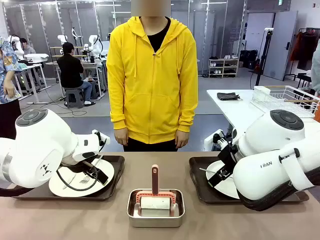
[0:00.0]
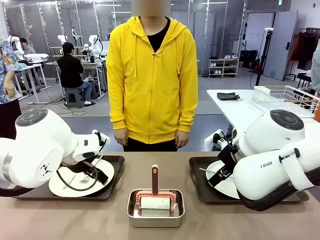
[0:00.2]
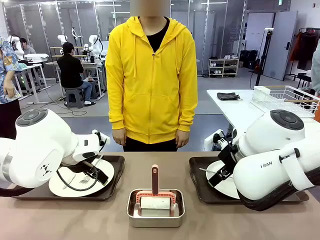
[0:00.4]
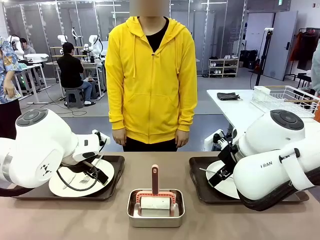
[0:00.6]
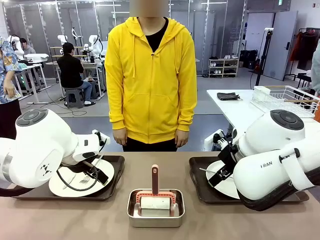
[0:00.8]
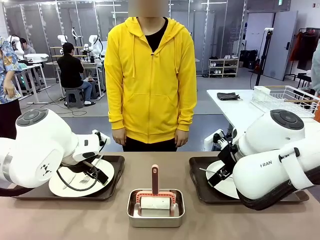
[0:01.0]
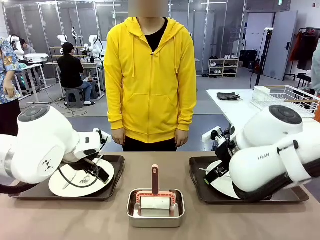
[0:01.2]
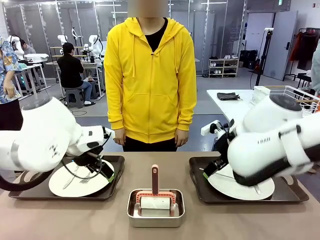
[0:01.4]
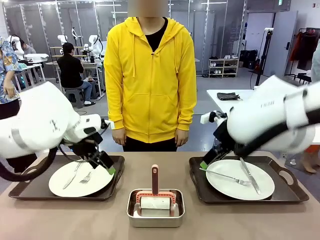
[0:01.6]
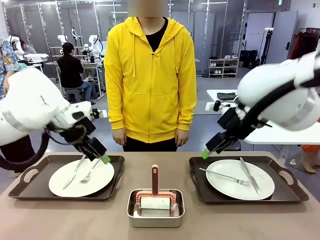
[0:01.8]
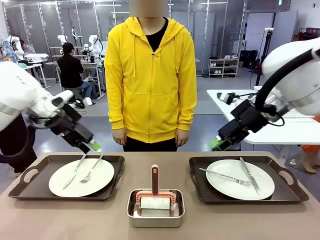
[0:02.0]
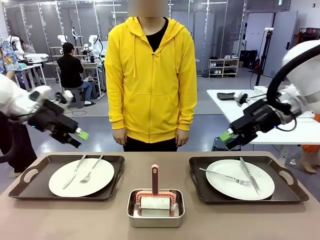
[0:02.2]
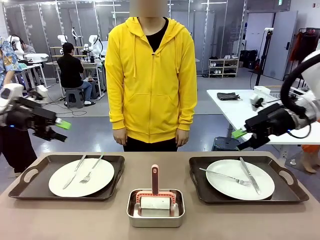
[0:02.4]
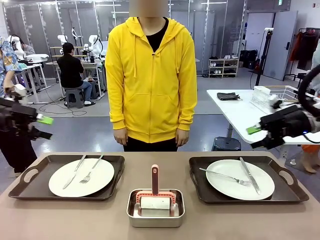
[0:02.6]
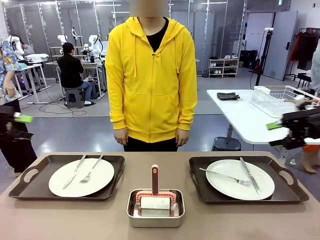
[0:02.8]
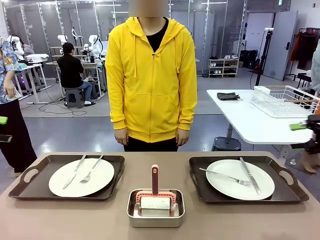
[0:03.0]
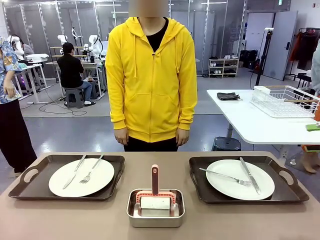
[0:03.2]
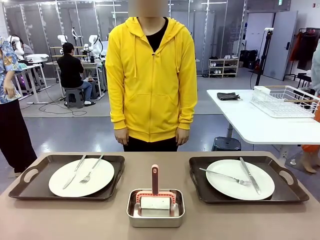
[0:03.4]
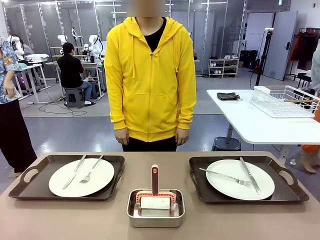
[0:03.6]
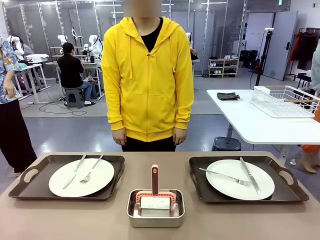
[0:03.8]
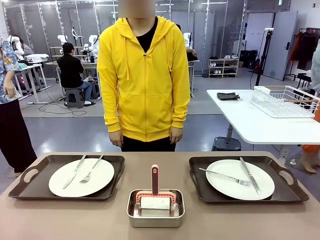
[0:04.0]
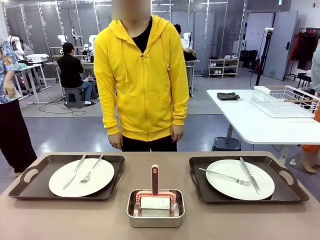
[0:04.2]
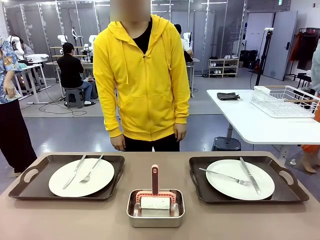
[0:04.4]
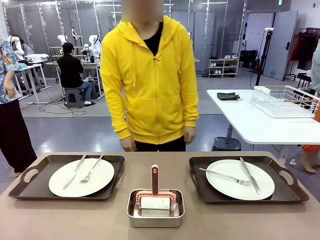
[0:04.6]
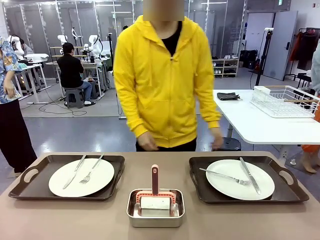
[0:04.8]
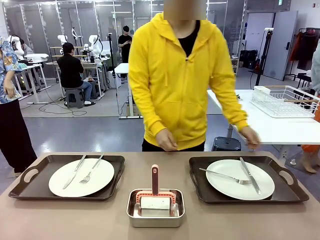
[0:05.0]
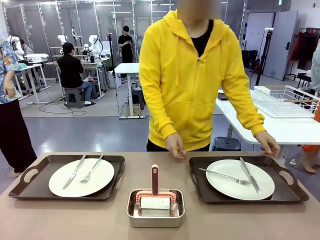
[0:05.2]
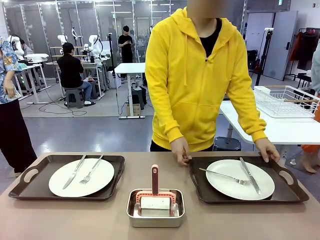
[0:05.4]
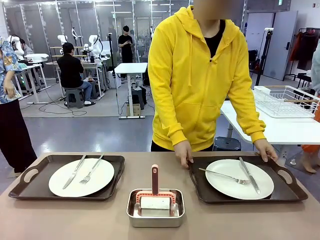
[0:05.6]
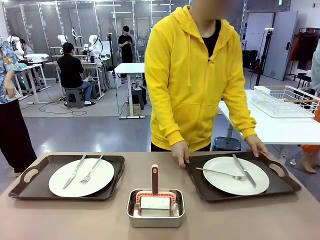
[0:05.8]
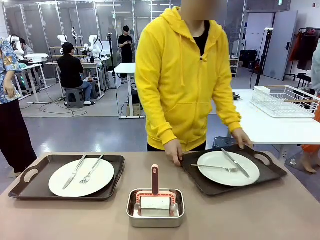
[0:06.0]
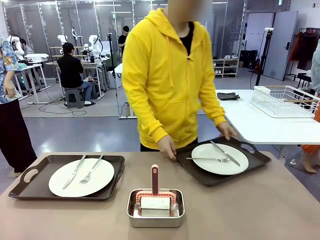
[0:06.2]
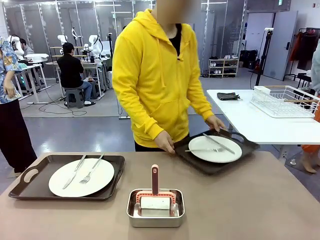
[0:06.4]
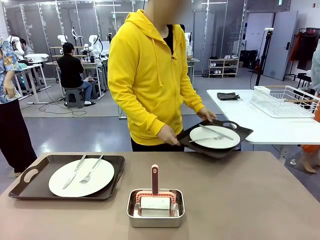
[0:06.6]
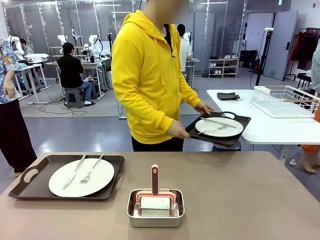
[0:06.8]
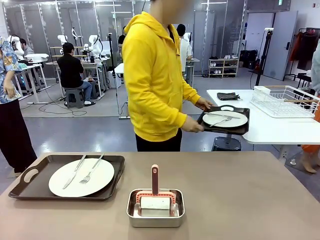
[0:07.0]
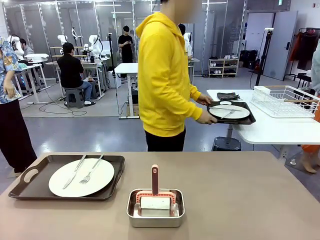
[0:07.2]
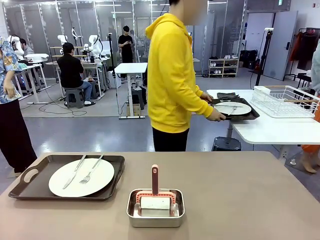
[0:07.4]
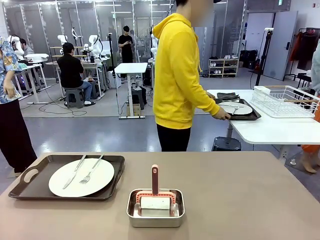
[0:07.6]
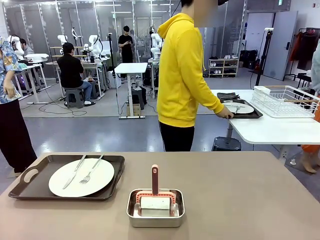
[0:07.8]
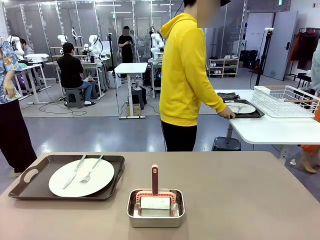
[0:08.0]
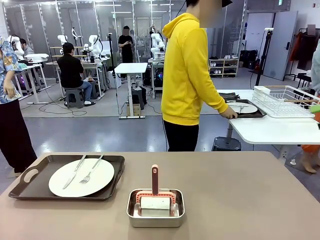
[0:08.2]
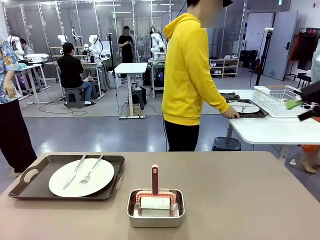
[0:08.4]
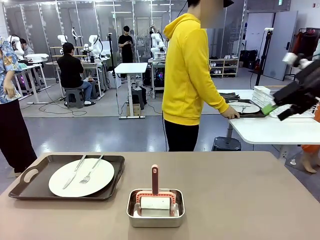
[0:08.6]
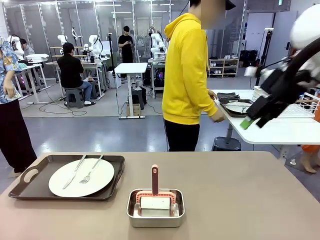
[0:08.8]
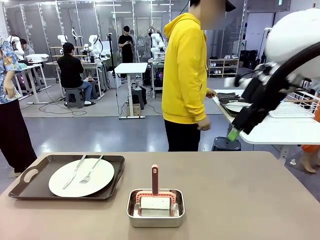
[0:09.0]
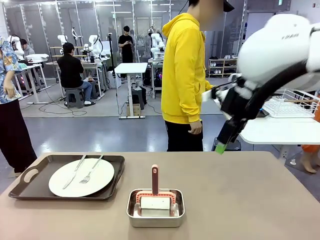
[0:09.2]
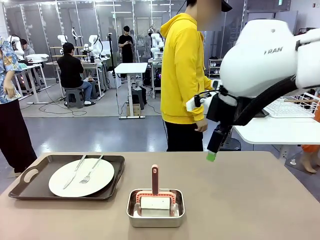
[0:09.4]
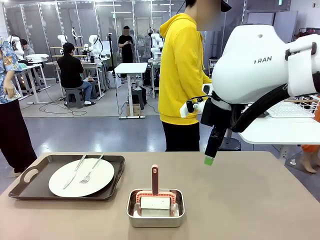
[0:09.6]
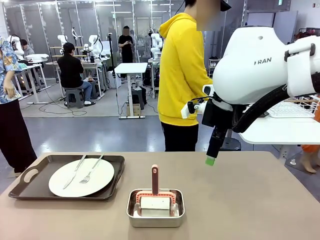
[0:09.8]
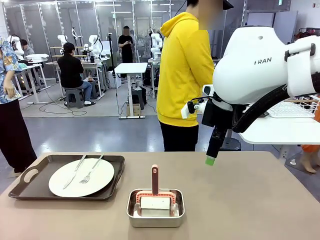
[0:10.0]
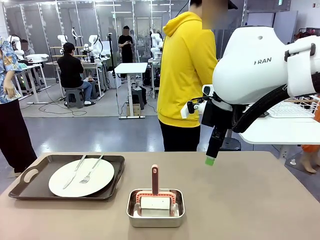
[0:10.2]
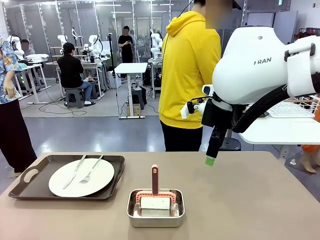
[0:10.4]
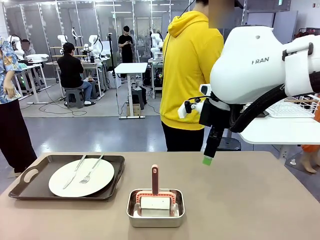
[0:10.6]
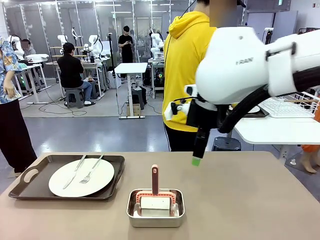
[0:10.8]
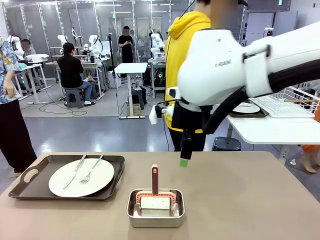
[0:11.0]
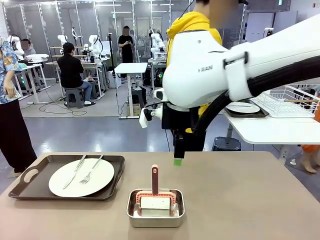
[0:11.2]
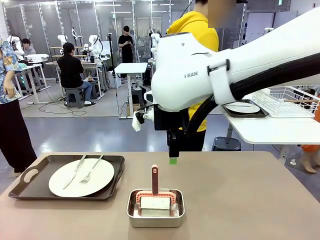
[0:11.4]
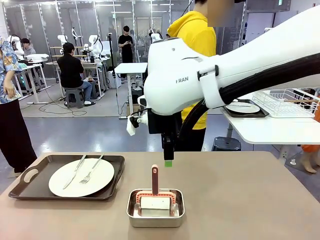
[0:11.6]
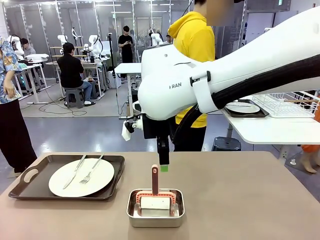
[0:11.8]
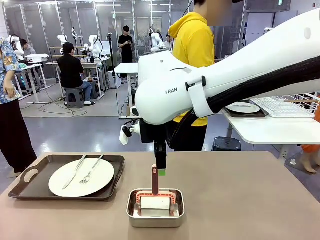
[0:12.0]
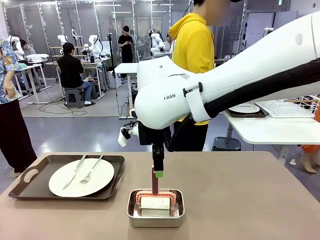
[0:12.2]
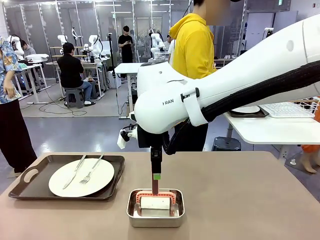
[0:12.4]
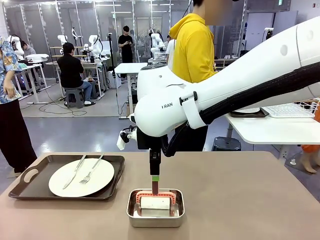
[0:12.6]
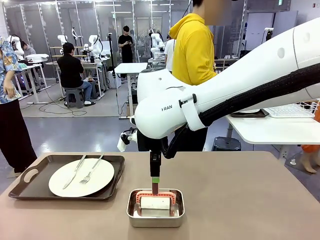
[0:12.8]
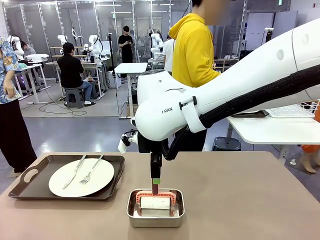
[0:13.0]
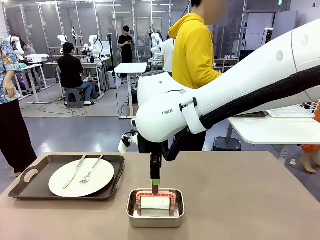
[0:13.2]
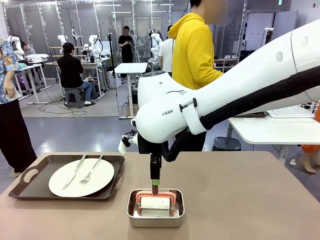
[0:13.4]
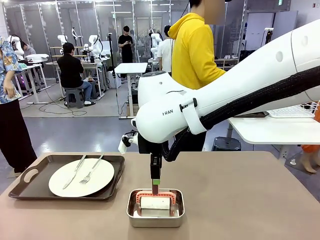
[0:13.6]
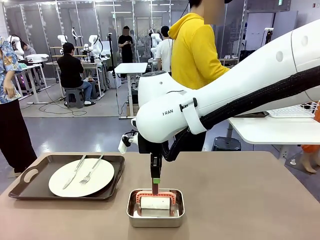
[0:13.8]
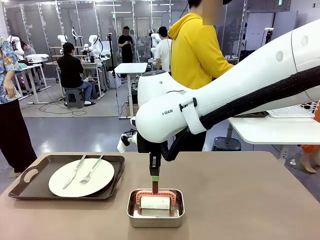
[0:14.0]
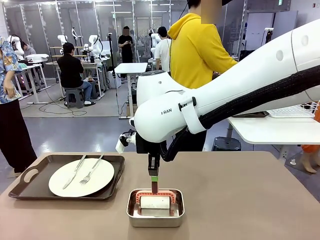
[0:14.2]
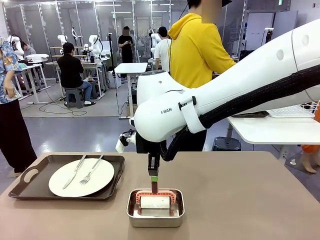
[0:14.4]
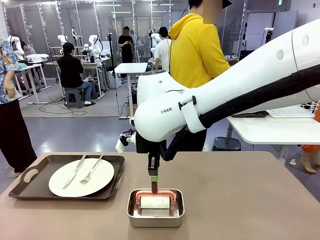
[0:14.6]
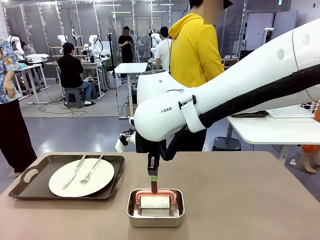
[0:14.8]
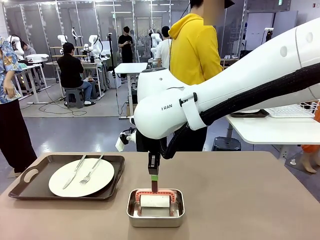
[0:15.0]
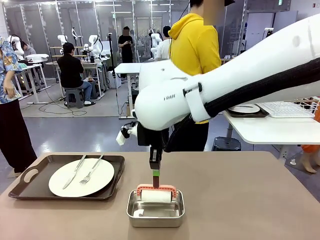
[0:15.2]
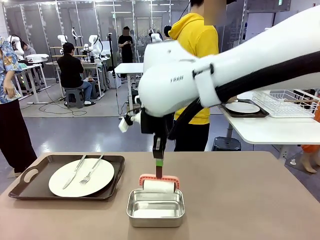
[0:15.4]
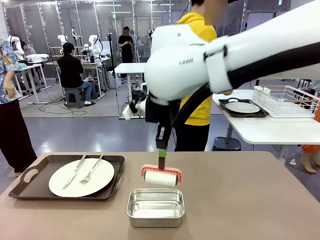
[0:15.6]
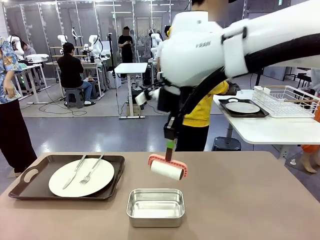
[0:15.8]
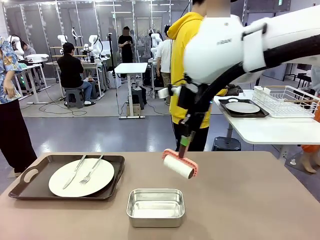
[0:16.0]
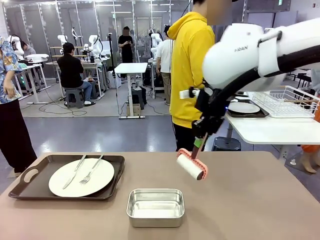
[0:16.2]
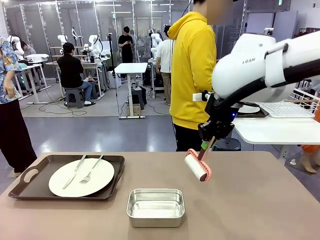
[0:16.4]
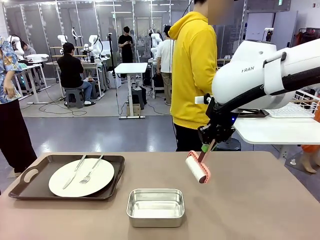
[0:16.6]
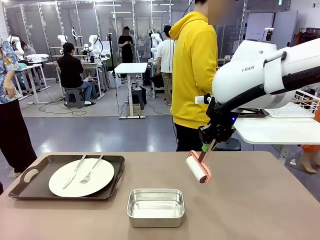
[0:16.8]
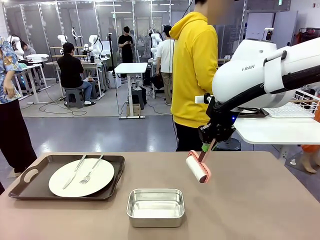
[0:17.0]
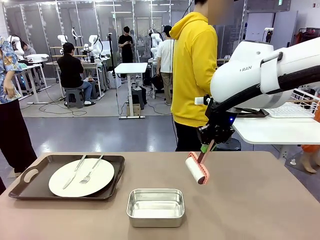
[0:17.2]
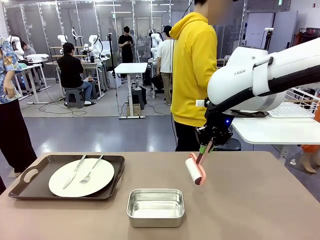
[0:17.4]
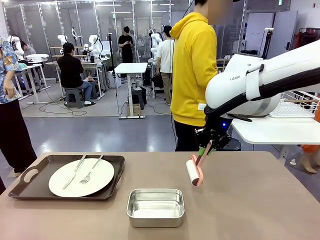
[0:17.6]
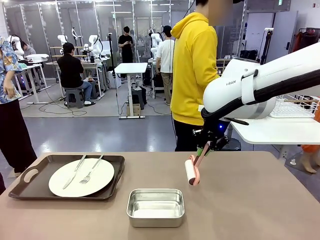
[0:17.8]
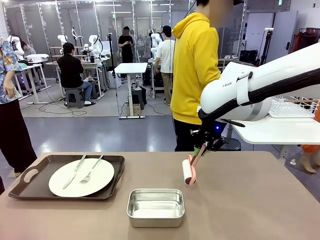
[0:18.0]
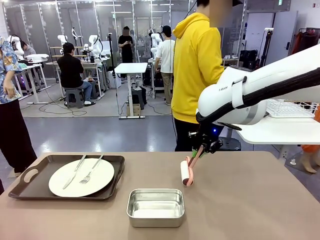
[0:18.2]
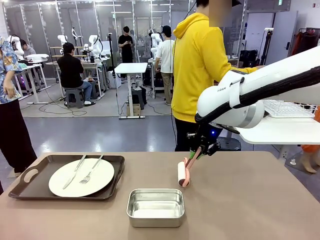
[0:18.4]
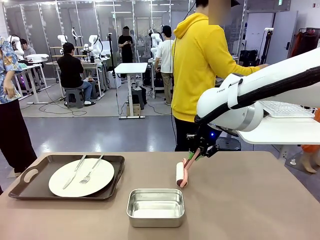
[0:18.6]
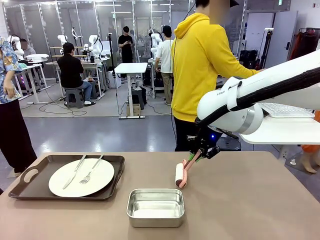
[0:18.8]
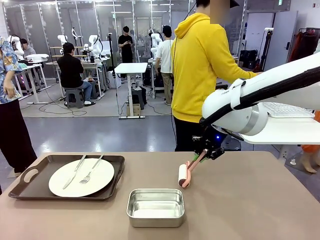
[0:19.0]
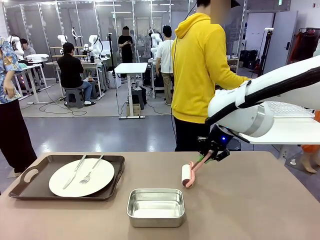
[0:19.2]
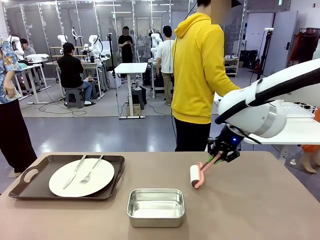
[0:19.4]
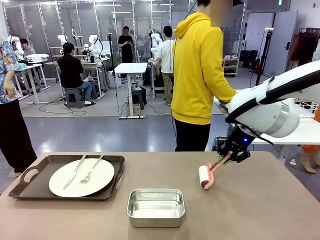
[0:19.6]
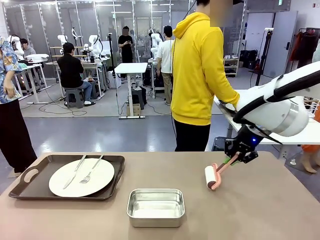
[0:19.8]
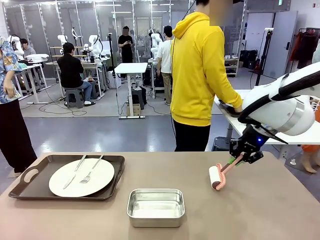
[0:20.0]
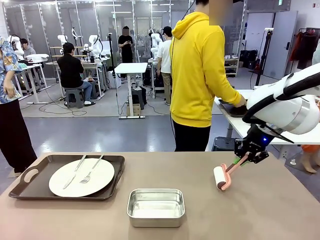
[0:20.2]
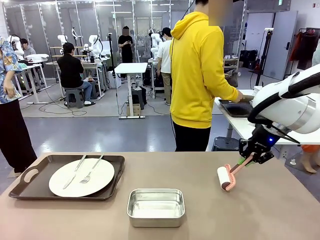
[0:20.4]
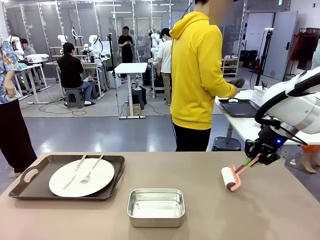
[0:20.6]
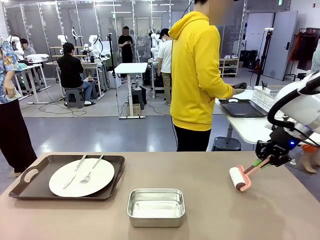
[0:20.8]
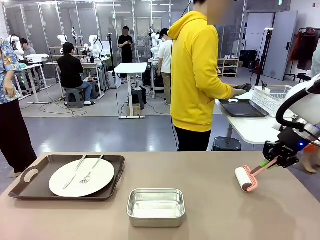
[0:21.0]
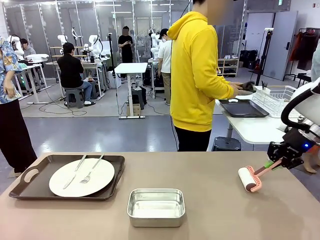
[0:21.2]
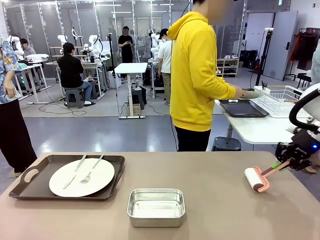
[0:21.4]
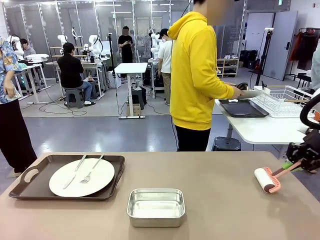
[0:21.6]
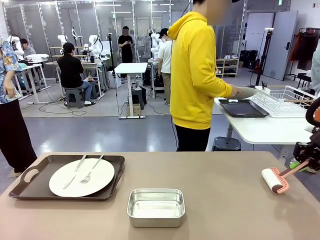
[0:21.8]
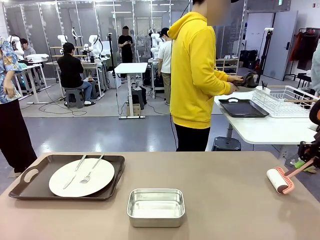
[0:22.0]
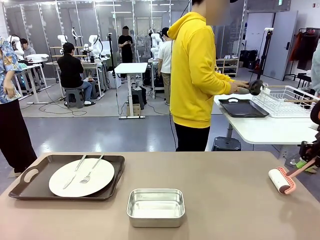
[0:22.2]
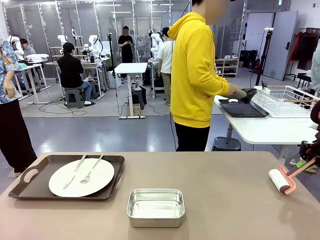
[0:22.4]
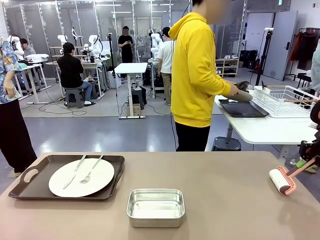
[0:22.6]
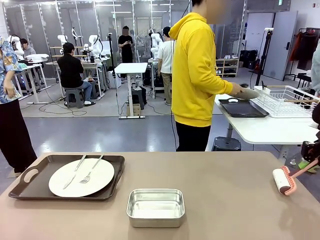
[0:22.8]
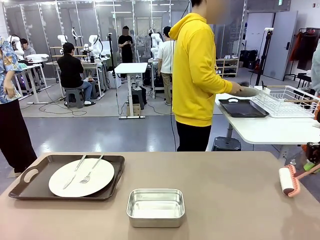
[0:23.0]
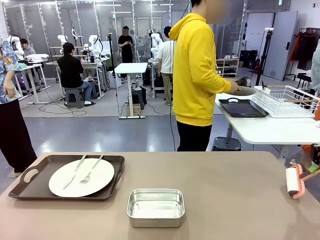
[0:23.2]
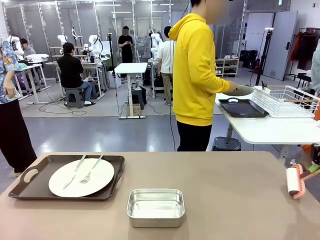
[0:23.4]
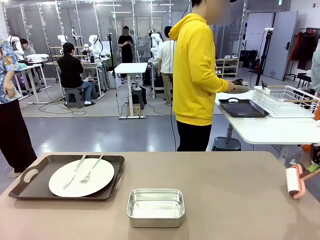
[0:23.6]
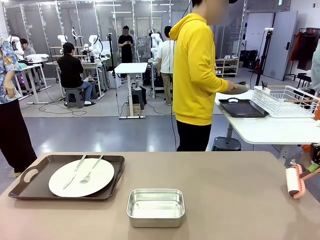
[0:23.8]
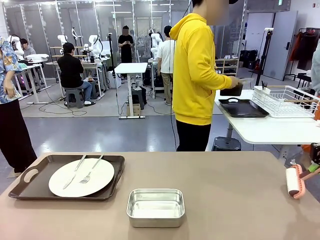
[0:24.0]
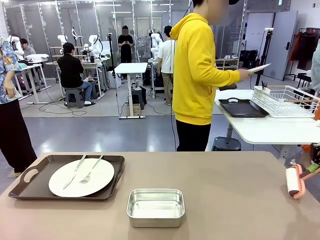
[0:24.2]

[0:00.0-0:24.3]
Robot: When the left (or right) Handle tray is removed, use the left hand (or right hand) to clean the left (or right) side of the table with the Lint Roller.
Person: Pick up the left (or right) Handle tray and place it on the middle of the Human's table. Use the Towel with hook to wipe the Plastic Matte Plate , Fork , and Knife and place into the Dish drying rack.
